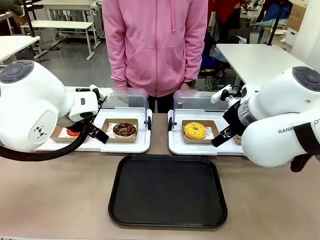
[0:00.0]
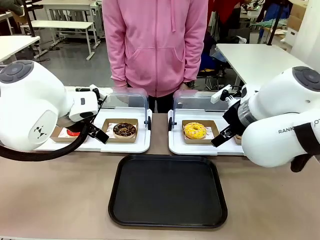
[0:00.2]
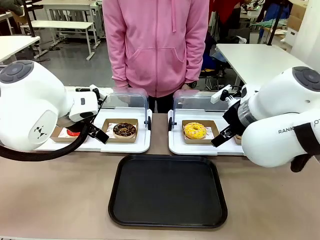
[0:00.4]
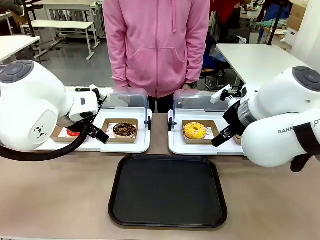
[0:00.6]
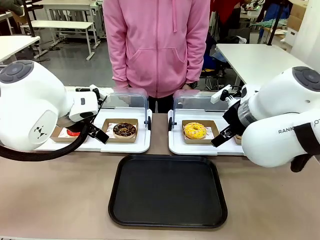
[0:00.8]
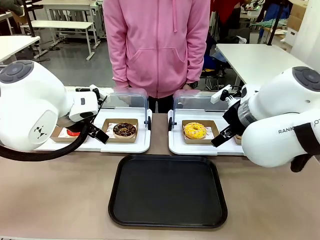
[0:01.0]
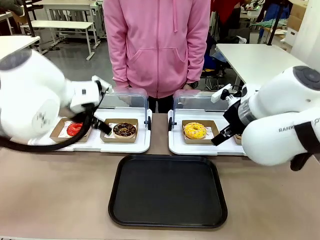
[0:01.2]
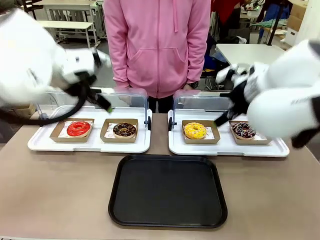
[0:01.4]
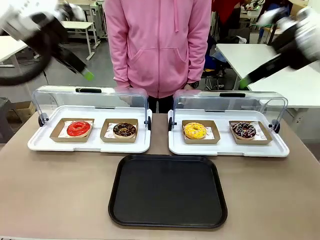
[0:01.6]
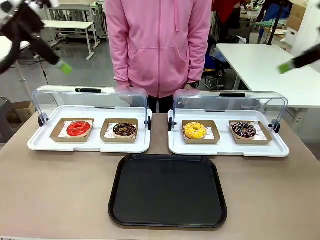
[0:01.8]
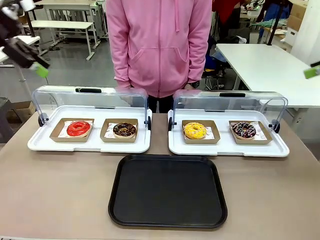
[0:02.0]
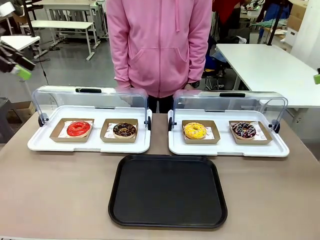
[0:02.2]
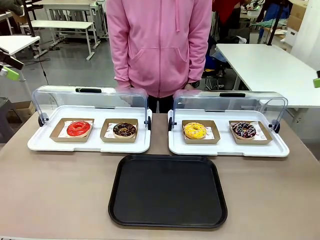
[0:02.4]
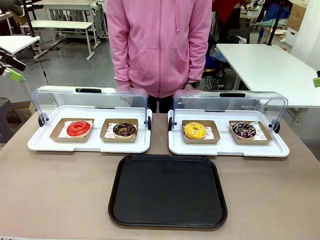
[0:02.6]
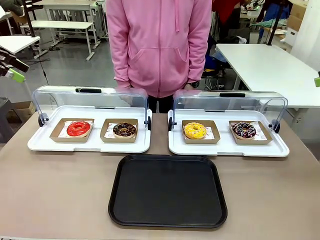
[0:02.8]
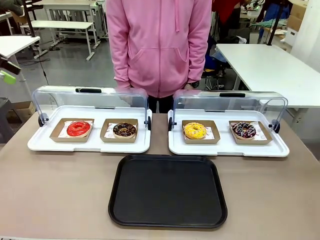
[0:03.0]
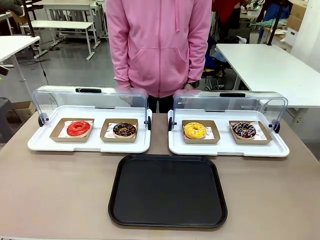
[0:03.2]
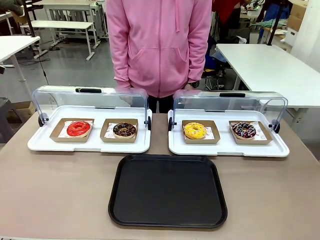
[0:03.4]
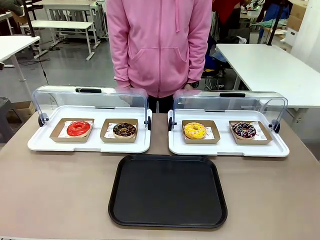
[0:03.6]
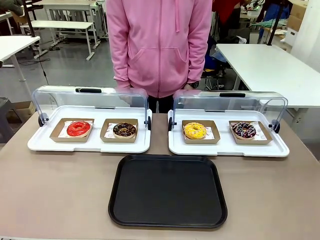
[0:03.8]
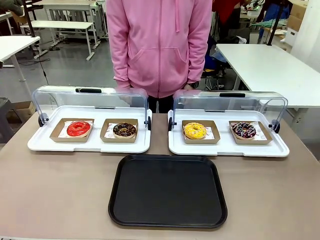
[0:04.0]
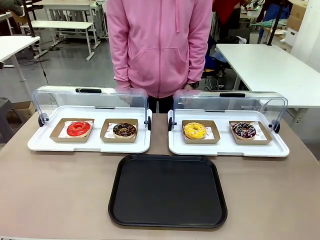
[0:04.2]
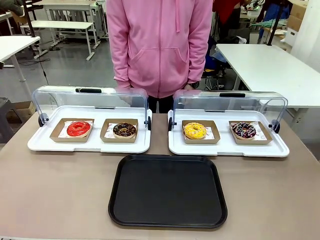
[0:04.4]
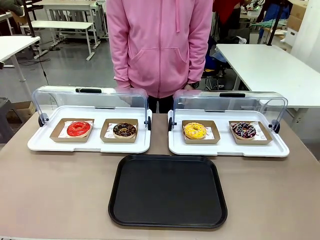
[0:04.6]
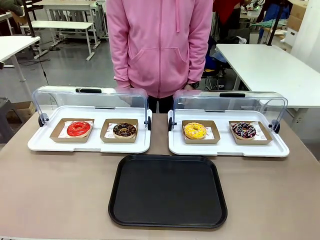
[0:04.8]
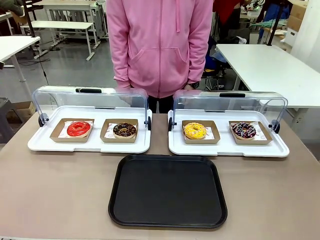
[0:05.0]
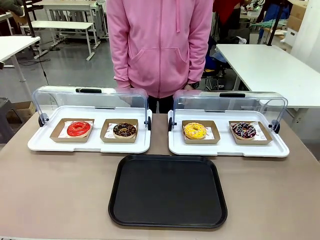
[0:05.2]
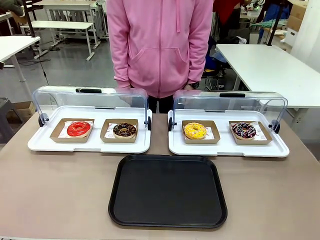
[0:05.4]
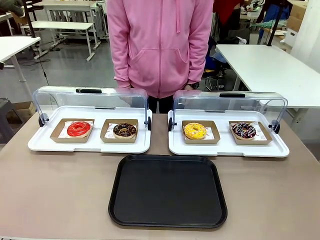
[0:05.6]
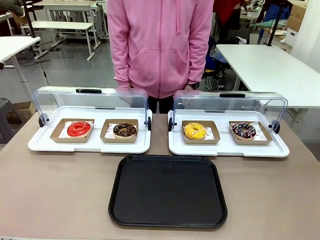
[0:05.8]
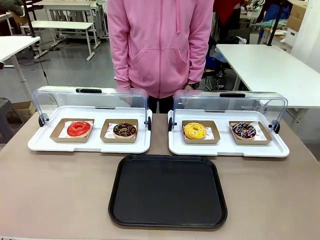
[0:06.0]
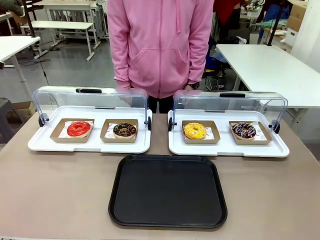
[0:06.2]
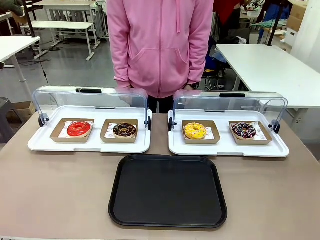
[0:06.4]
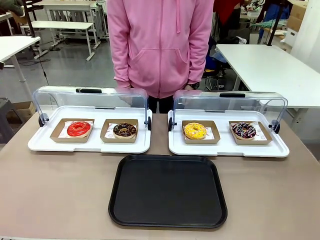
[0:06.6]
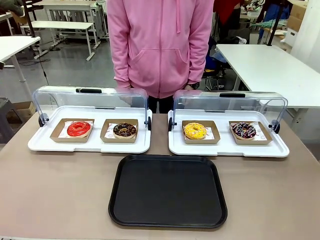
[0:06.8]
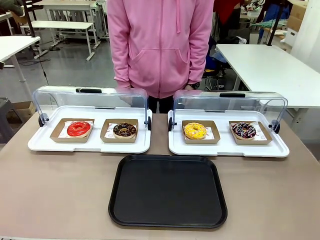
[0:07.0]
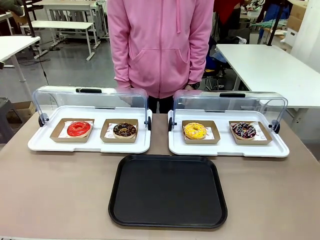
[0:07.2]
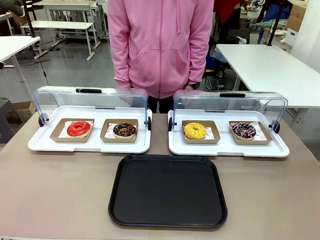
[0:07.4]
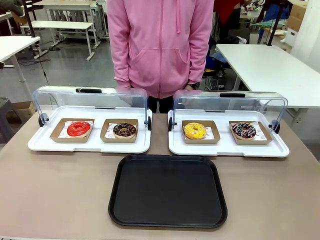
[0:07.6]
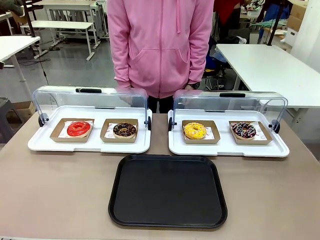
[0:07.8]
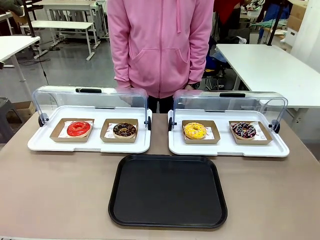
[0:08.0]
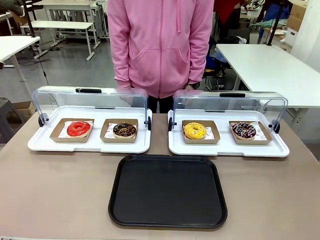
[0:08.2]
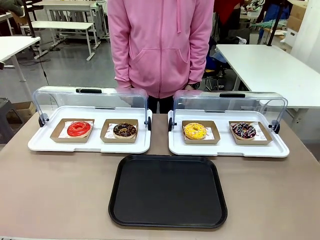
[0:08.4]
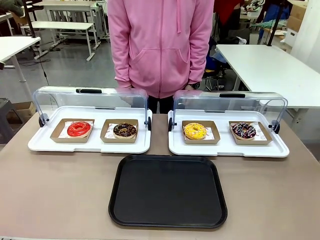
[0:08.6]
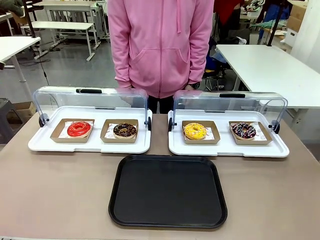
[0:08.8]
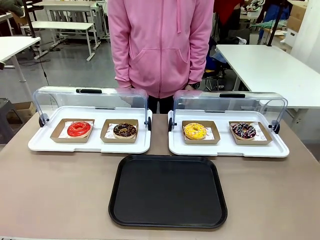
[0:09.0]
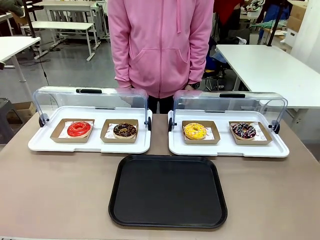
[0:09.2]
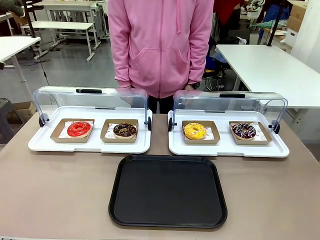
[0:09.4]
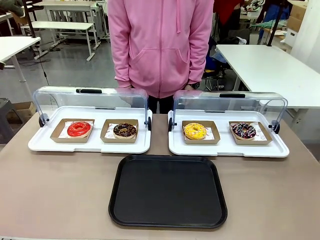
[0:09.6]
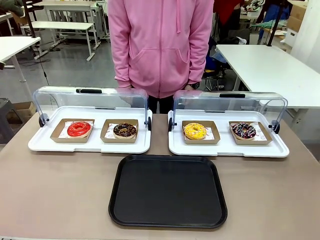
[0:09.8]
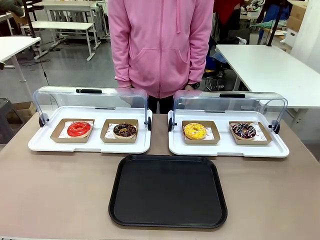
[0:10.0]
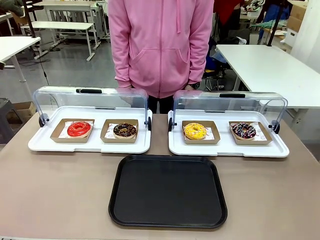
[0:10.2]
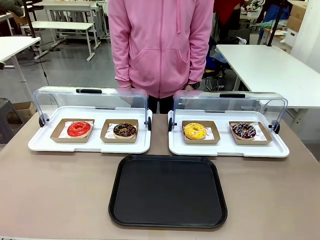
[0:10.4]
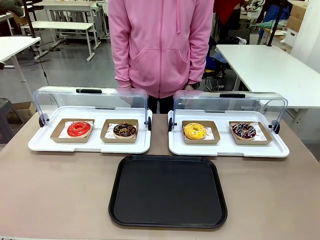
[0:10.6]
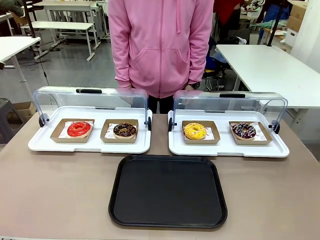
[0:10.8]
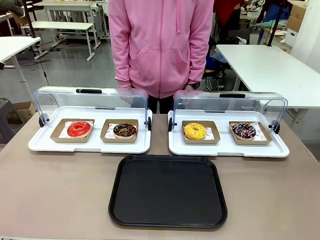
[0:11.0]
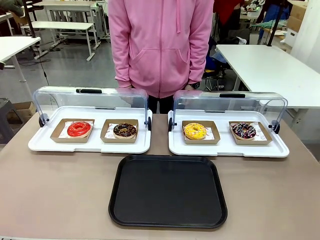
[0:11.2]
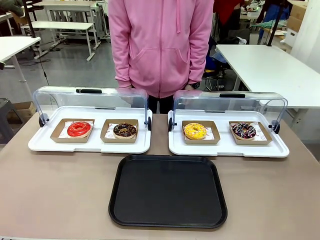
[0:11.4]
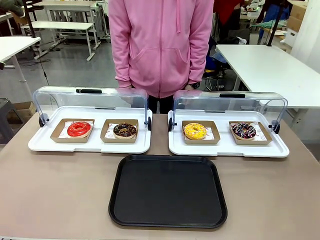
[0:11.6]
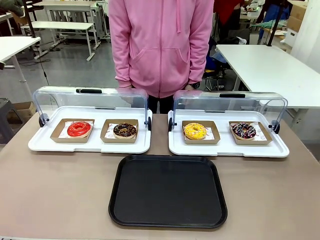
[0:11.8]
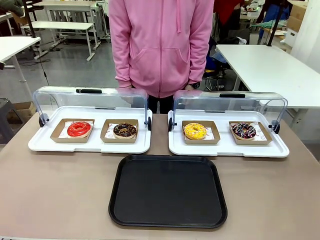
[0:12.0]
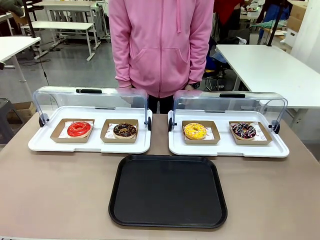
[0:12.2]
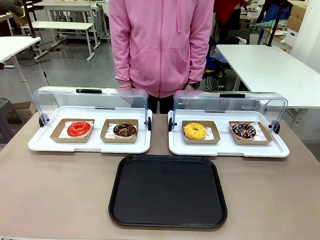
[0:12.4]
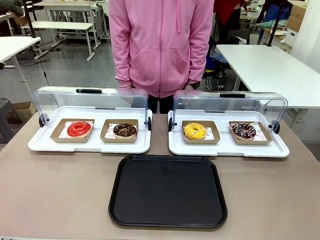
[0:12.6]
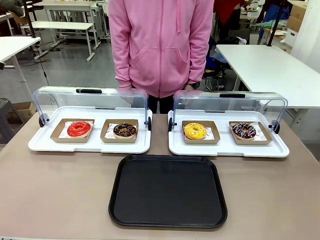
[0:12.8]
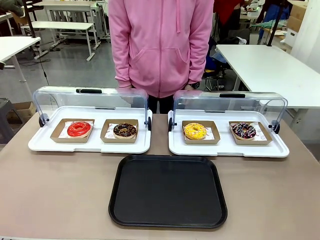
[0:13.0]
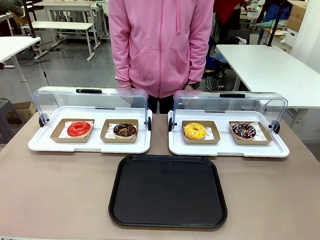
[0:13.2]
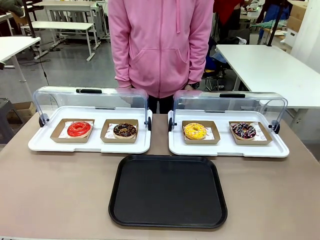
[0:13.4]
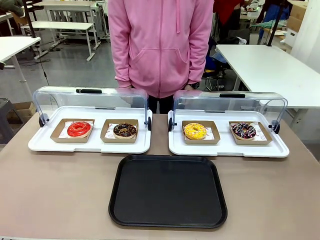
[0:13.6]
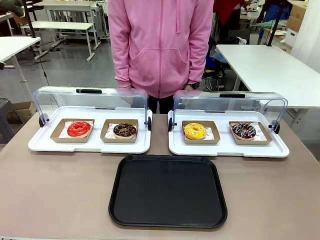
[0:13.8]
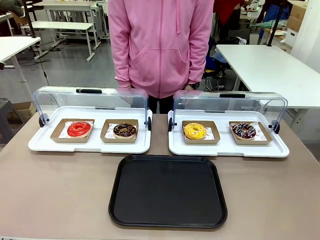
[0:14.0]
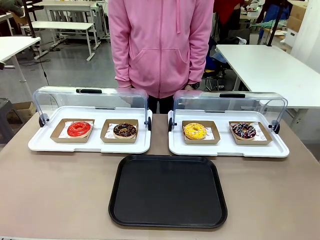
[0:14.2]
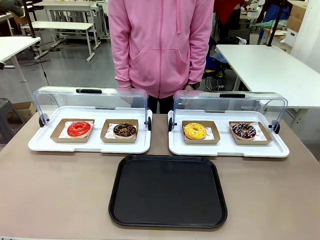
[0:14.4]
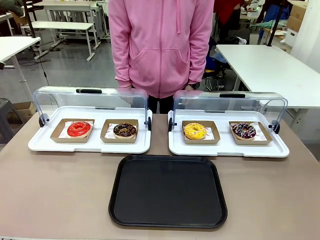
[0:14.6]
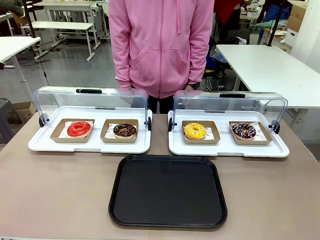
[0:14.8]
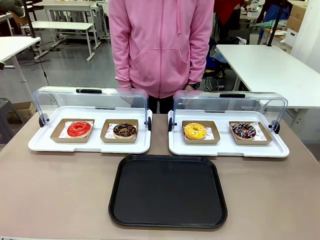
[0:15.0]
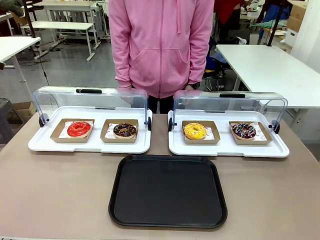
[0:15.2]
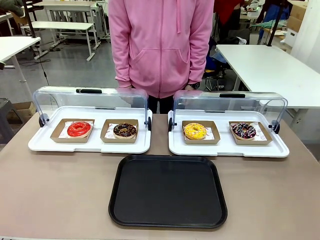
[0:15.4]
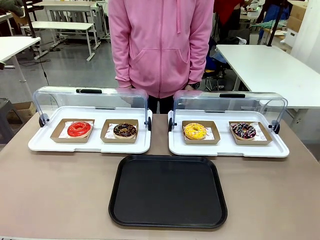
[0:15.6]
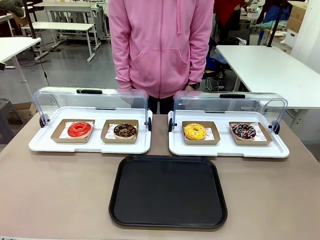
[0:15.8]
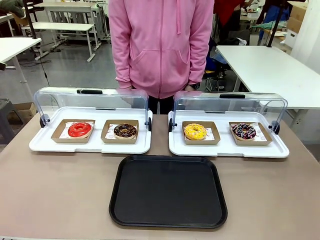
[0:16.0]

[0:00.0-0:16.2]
Task: Move the first donut from the left to the tray.
Robot: Pick up the Paper togo box containing the Donut indicated by the person and place it on the Handle tray.
